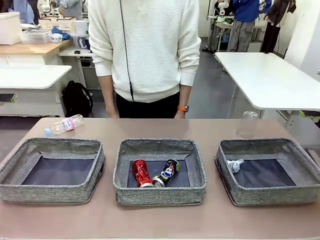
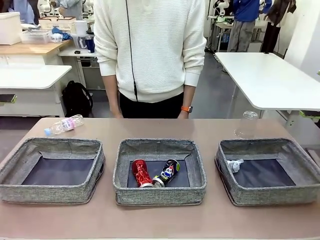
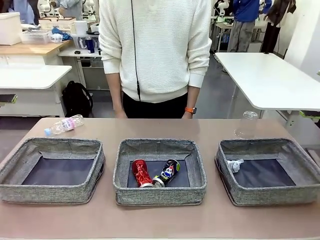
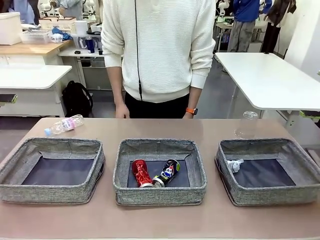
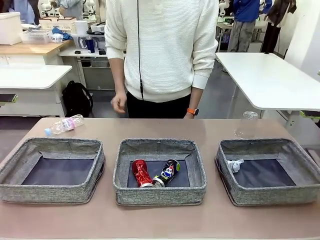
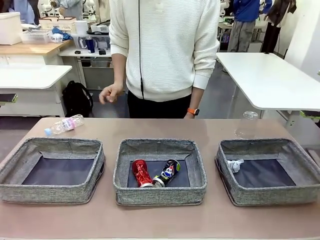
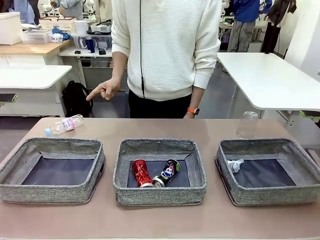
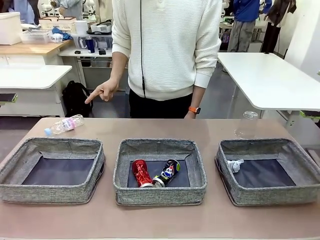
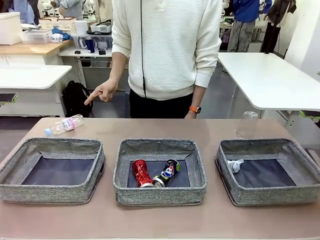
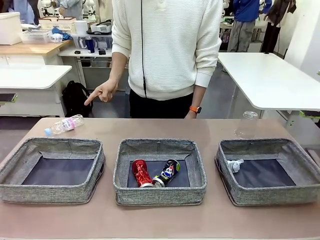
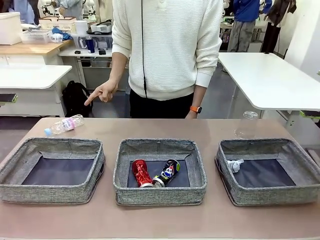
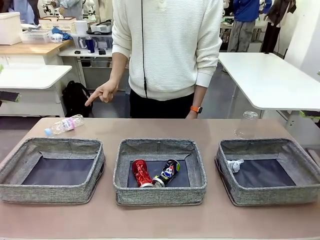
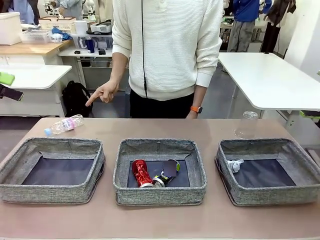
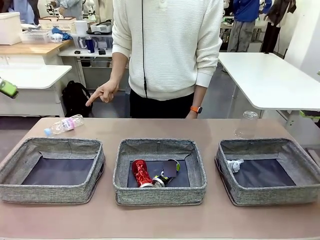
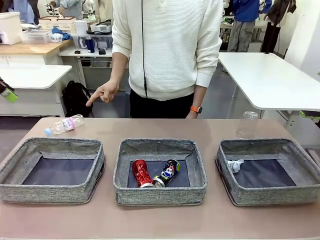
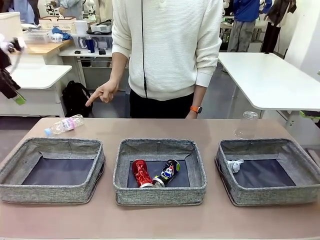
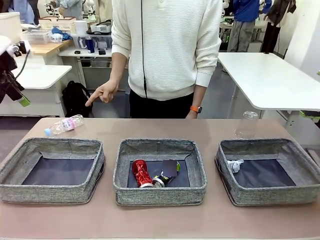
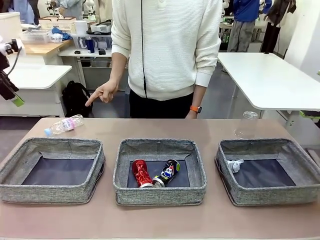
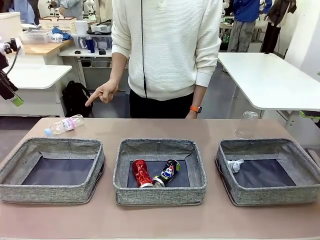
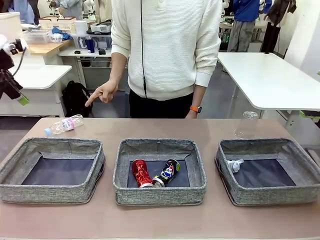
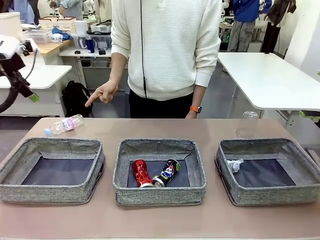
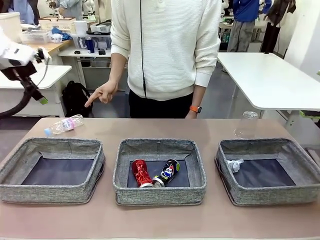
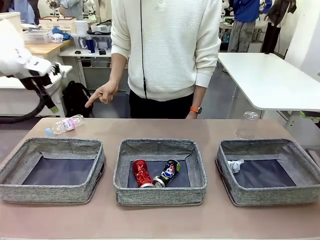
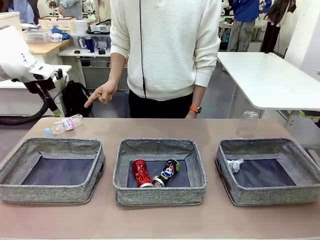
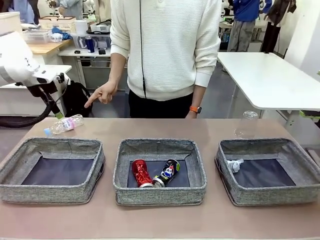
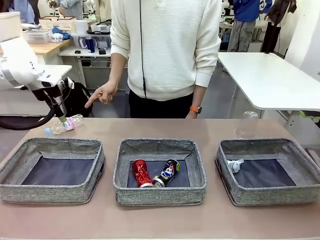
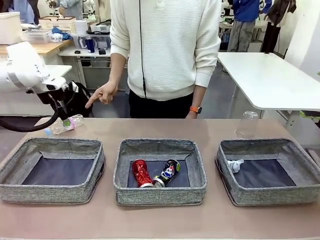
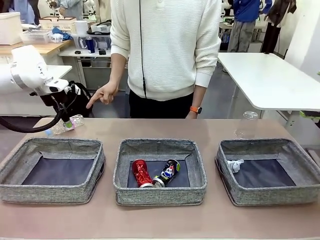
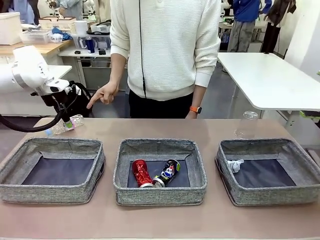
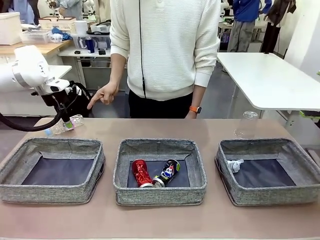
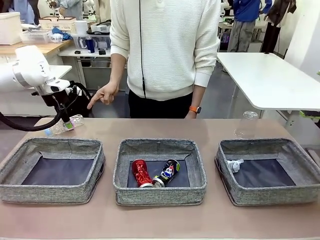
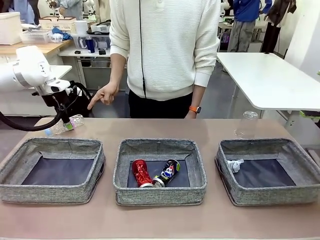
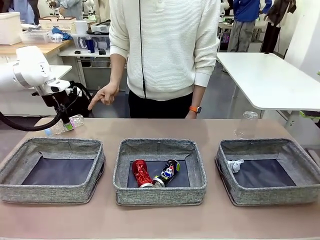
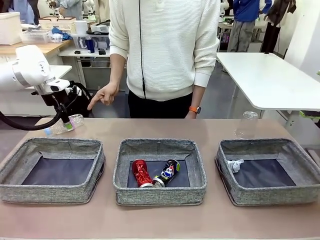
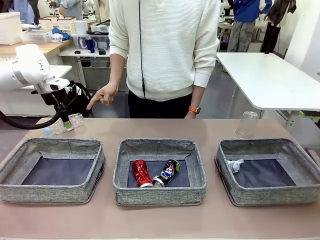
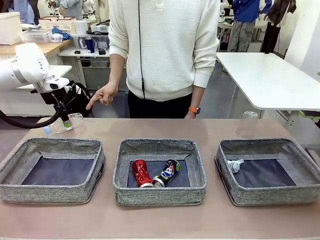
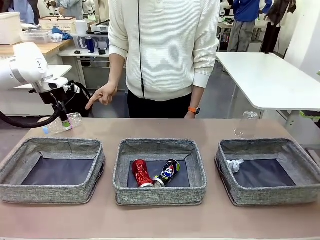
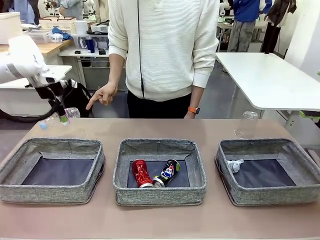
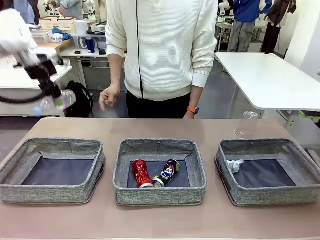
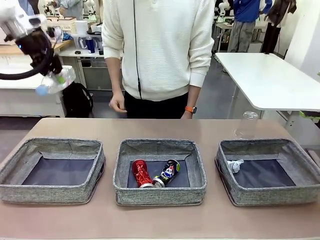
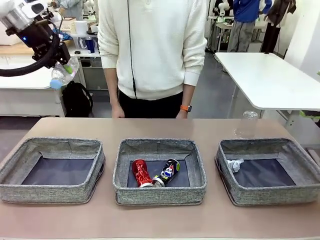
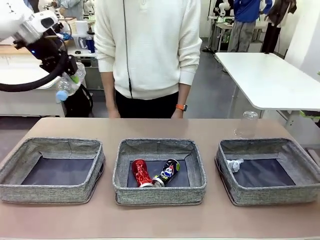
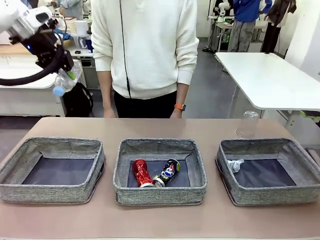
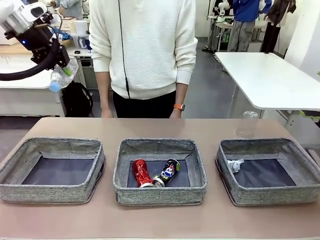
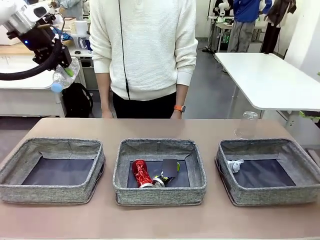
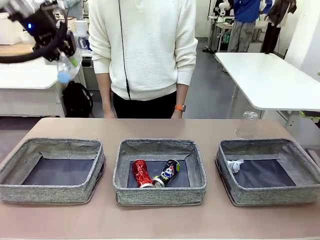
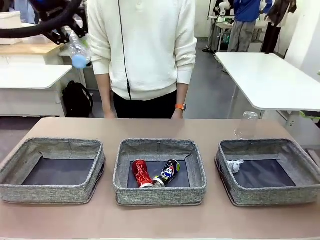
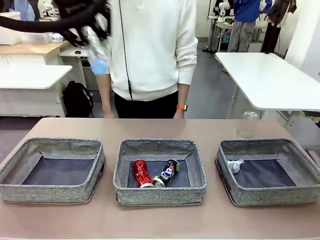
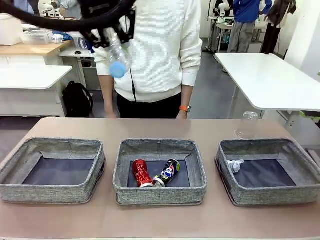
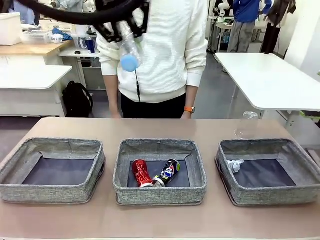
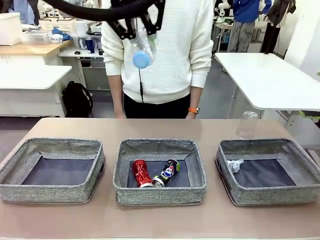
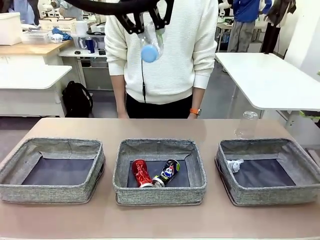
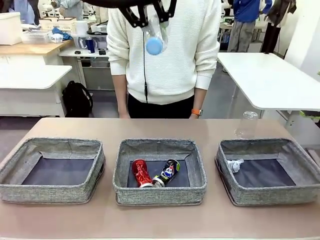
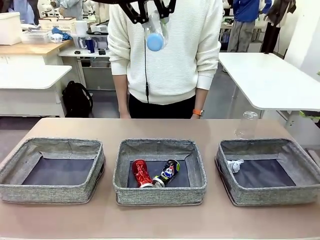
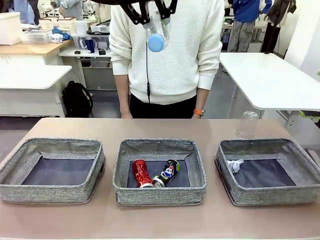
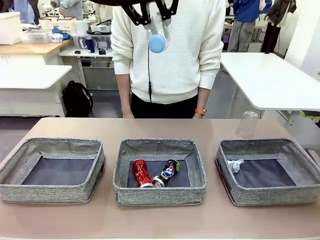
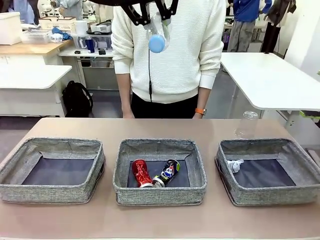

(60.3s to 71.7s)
Task: Sort the waste into the appropriate baskets.
Robot: Pick up the waste item pointed out by the person.
Person: Points to one piece of trash on the table.

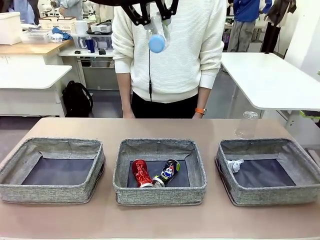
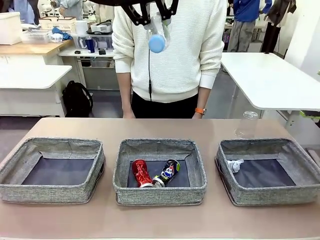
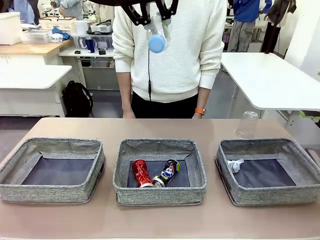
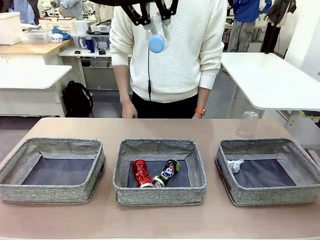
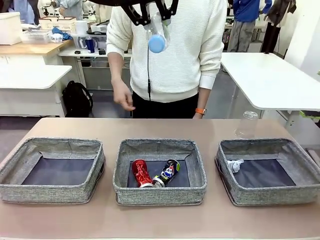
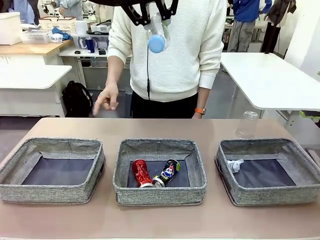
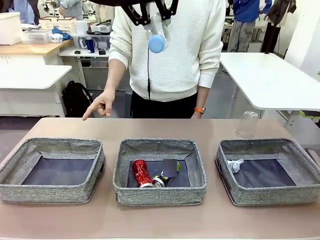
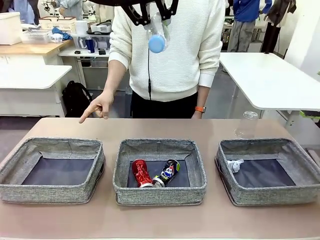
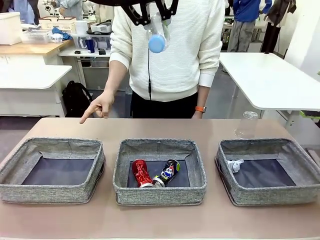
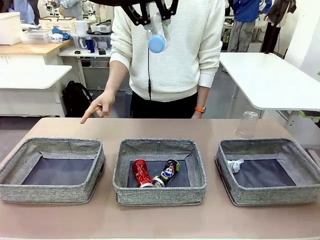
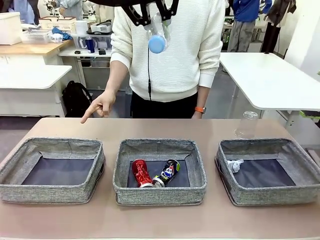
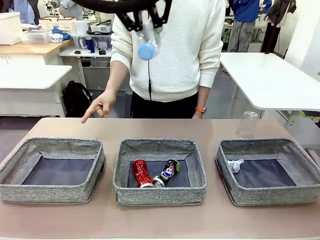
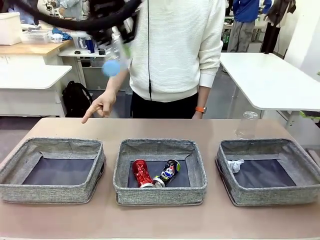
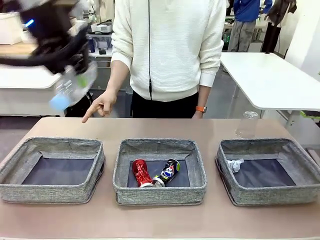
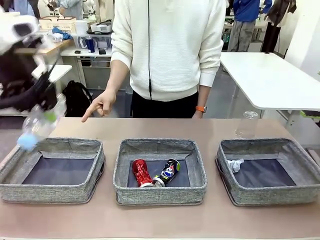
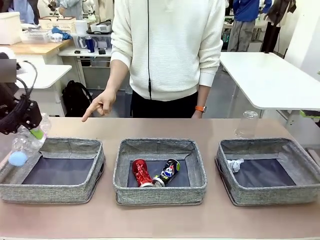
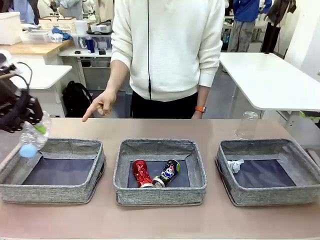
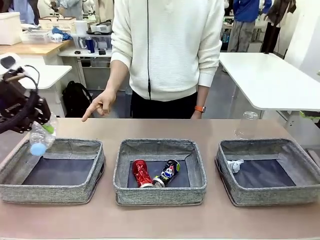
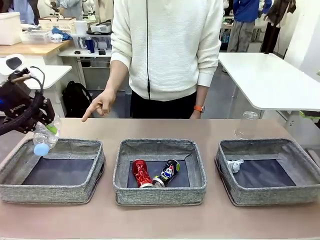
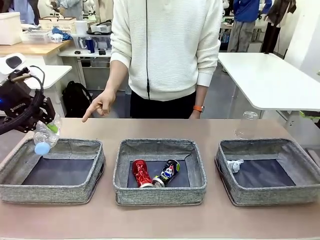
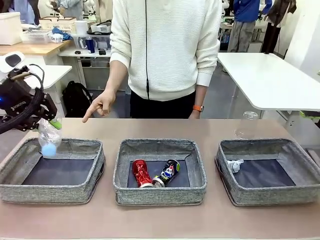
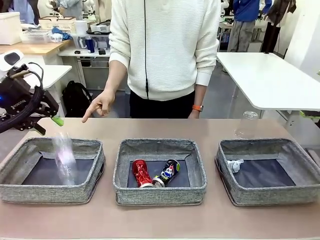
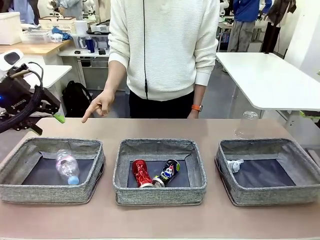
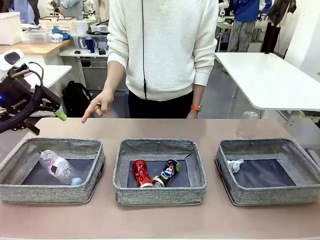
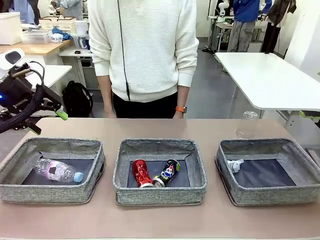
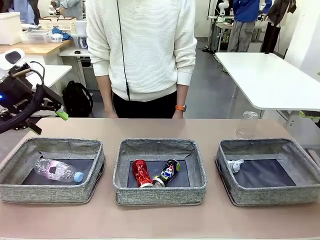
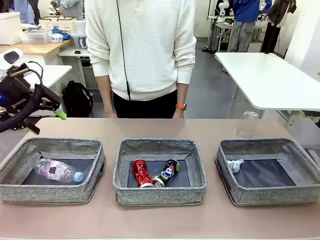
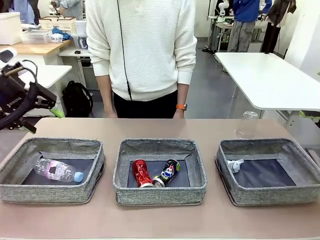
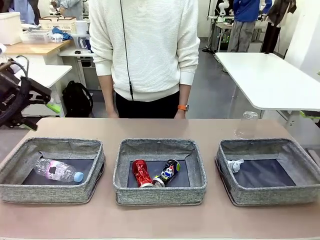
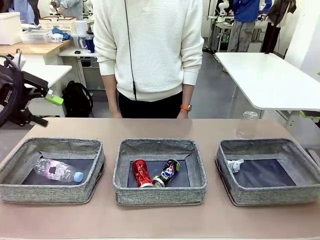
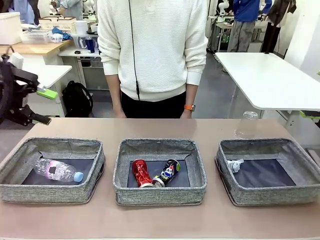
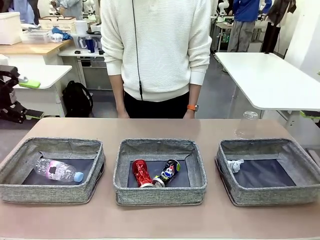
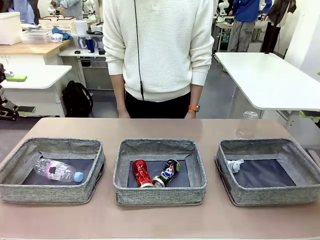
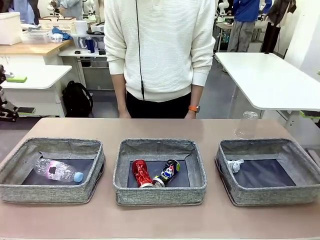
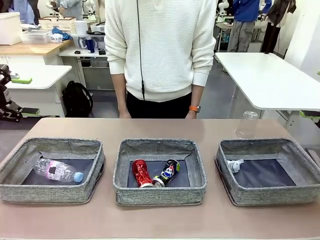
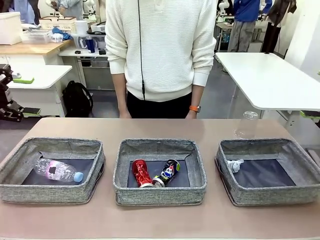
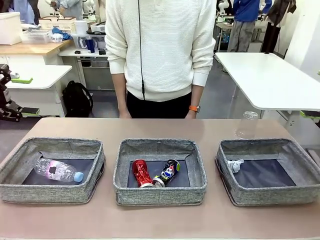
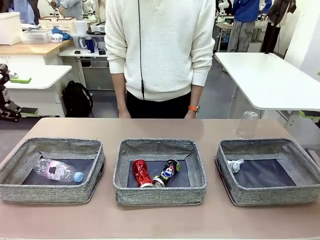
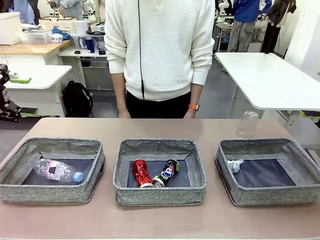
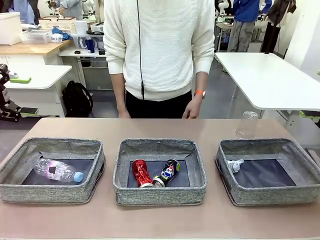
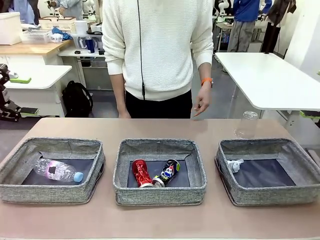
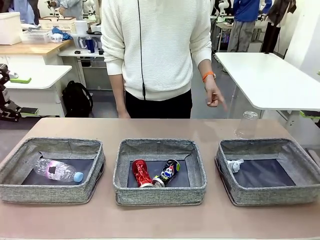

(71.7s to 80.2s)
Robot: Place the picked waste into the Fabric basket indicated by the person.
Person: Instructs the robot to place the picked-up trash into the appropriate organizing basket.
